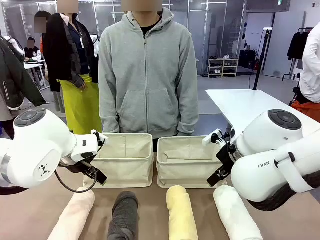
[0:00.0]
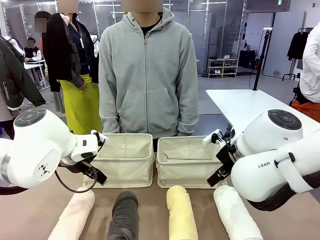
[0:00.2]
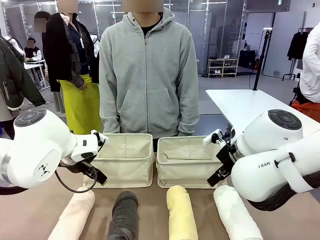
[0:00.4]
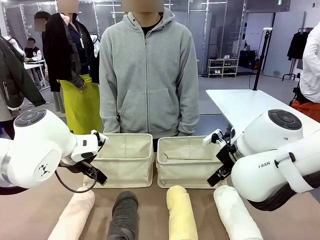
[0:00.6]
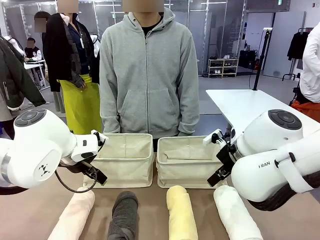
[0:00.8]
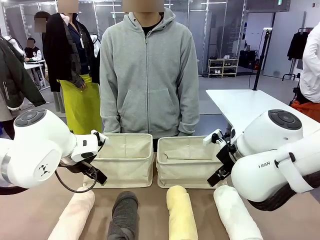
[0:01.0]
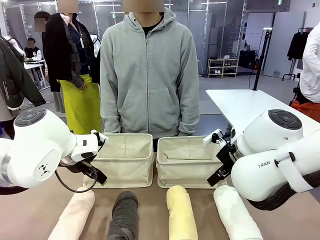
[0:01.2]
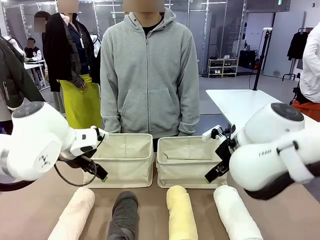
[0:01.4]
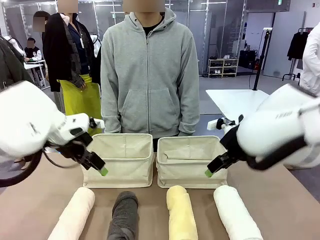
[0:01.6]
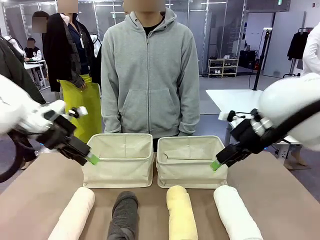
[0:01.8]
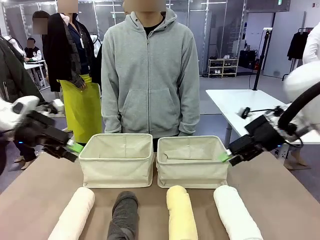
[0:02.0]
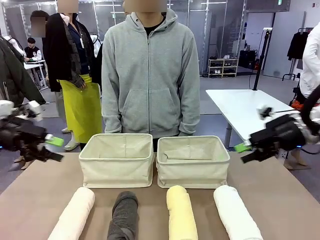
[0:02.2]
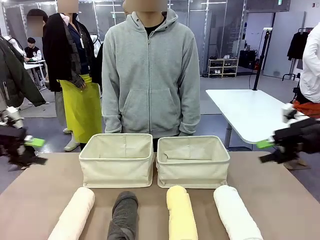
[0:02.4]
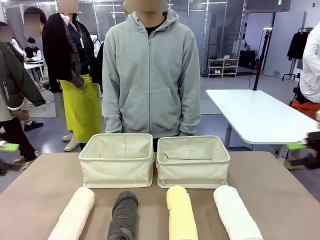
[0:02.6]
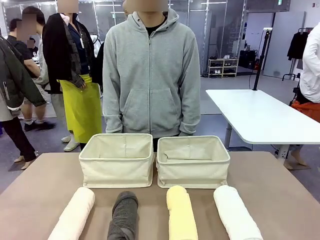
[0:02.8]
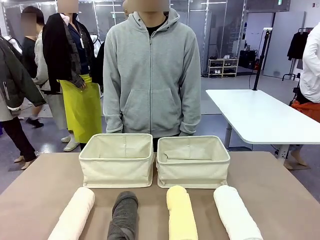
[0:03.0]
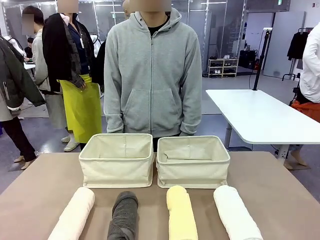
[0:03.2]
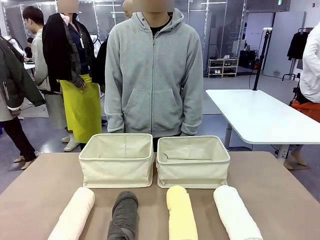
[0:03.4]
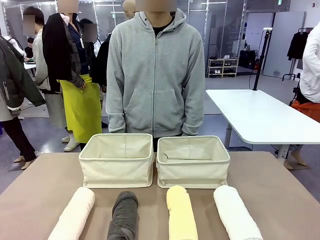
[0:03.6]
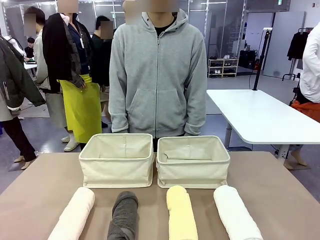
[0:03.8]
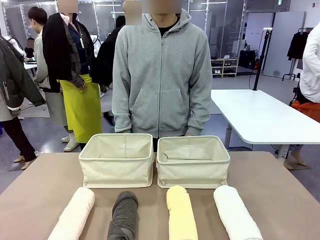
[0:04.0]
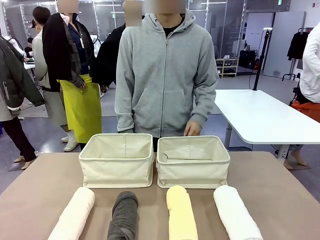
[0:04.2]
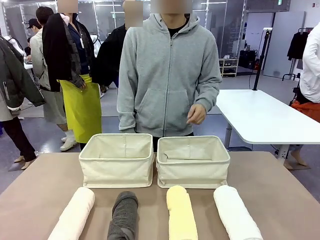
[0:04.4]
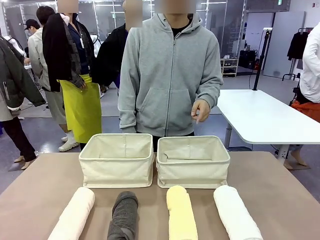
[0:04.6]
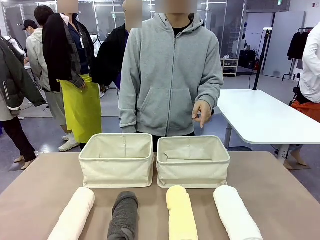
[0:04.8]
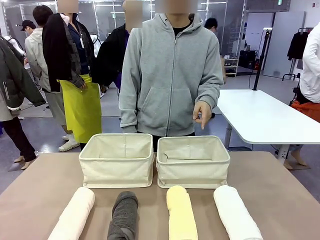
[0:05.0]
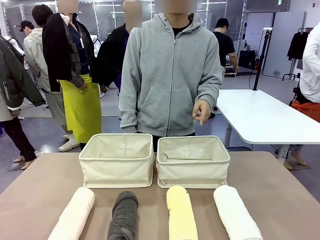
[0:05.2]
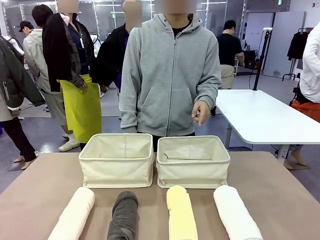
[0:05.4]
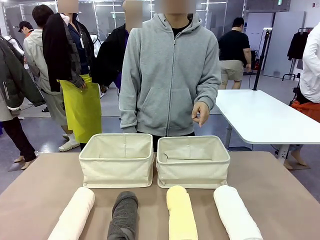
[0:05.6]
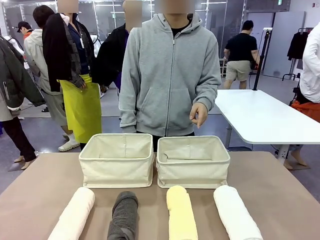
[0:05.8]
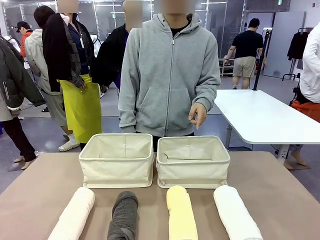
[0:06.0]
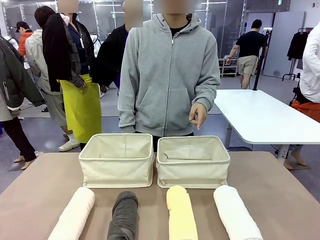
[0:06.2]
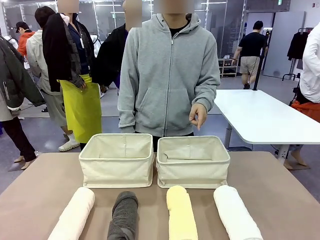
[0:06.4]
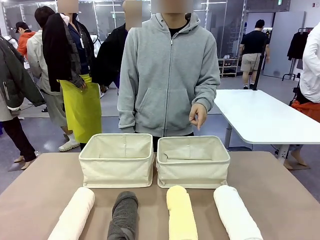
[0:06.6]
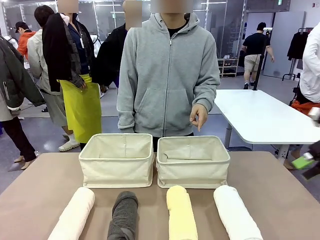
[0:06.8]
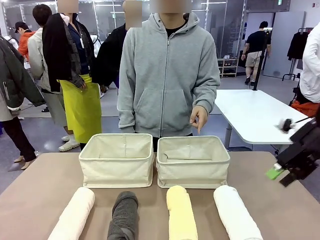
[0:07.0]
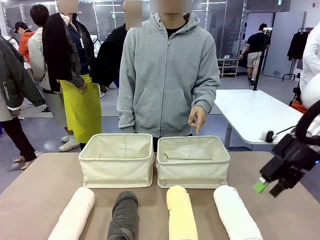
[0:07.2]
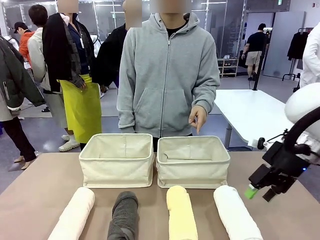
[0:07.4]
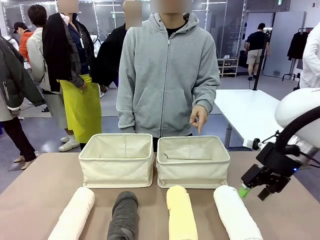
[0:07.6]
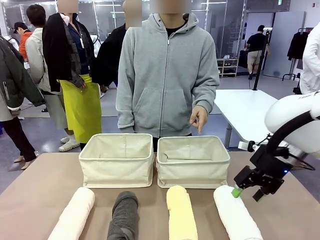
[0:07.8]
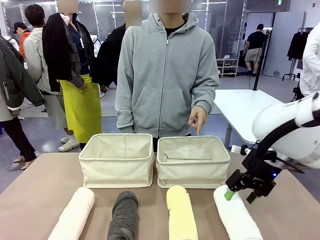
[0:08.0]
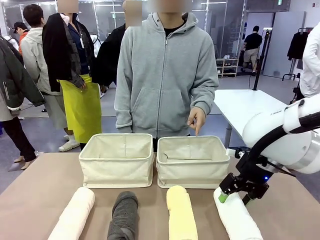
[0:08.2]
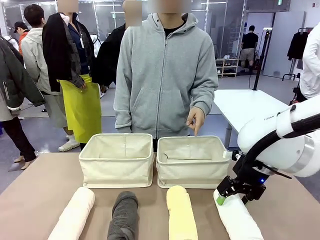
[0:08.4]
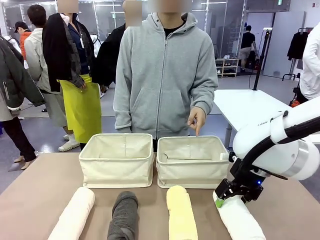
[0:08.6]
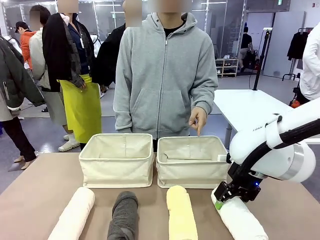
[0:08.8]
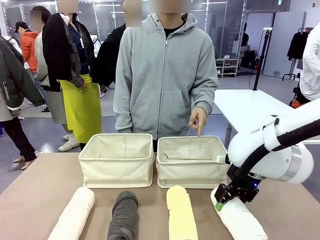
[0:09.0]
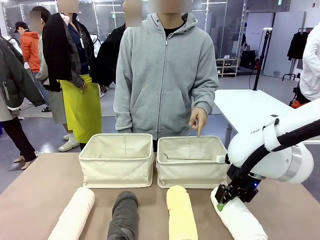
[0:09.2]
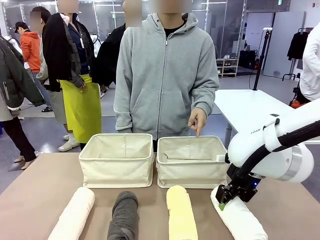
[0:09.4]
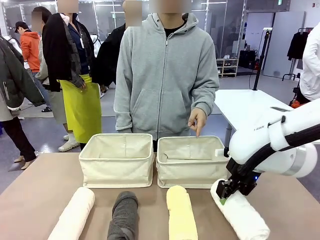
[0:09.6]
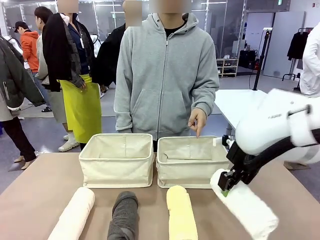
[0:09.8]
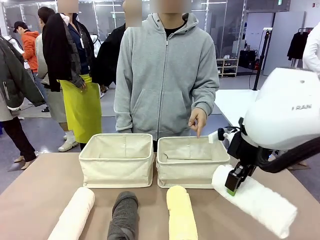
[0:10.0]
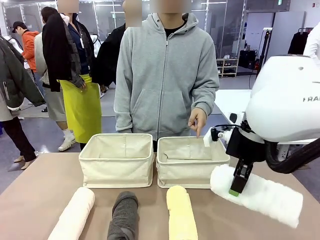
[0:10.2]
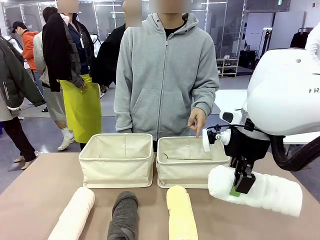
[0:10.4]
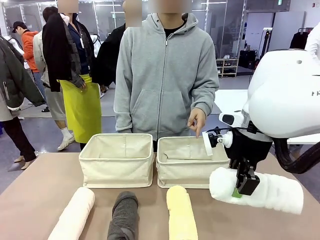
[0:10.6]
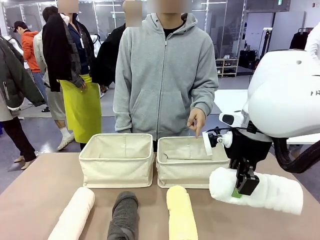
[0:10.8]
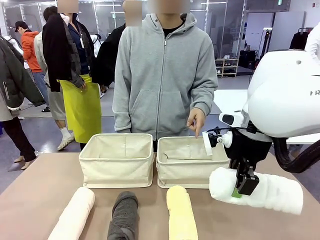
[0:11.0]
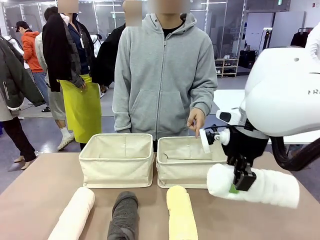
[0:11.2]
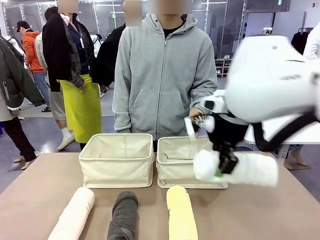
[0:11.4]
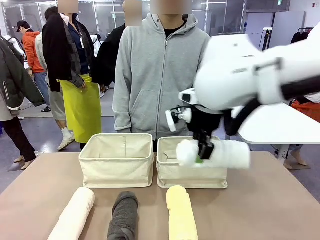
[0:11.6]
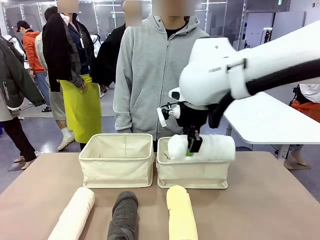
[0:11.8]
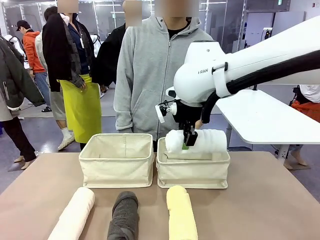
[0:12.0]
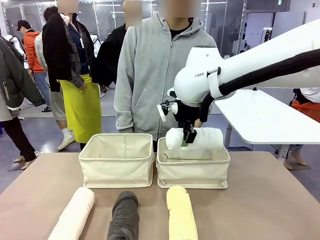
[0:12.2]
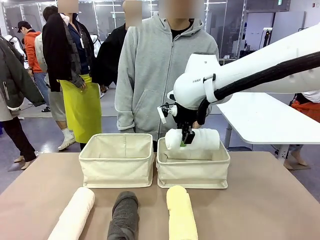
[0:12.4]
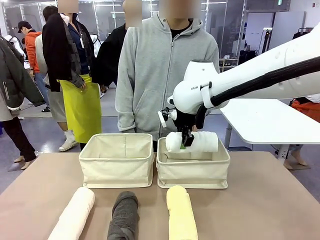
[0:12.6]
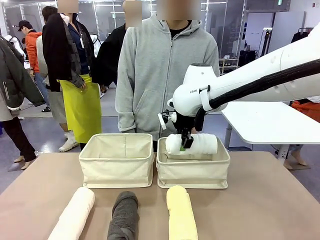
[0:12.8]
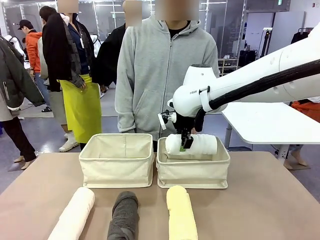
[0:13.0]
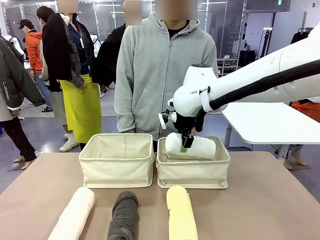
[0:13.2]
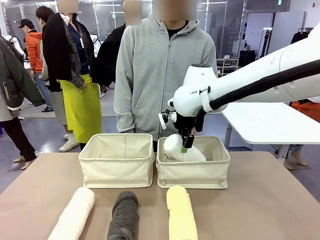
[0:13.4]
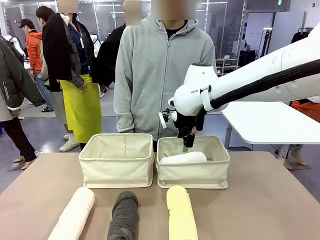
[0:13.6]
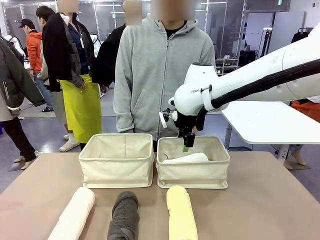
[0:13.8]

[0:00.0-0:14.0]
Task: Divide the towels into two baskets.
Robot: Pick up one hotel-folded towel and place it in the Fabric basket indicated by the person.
